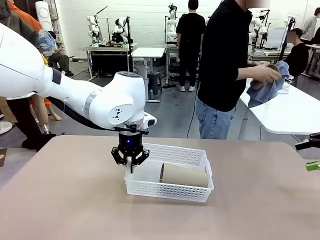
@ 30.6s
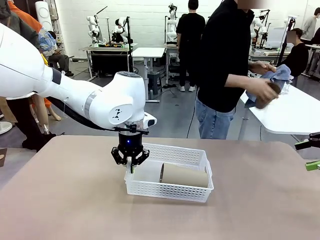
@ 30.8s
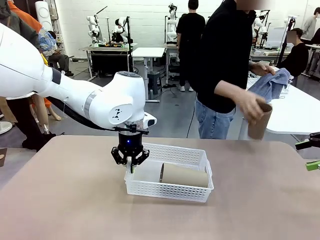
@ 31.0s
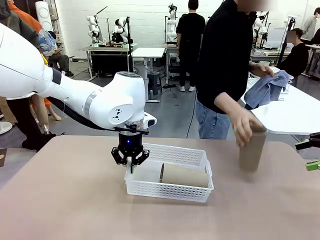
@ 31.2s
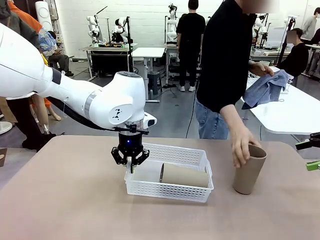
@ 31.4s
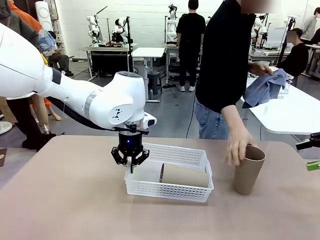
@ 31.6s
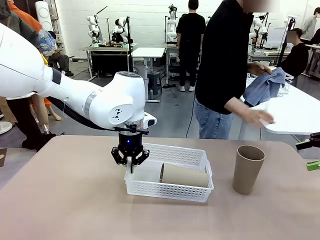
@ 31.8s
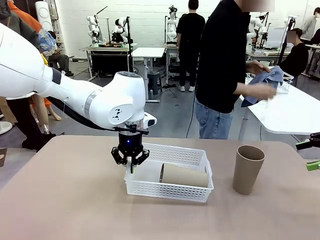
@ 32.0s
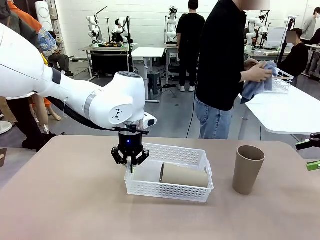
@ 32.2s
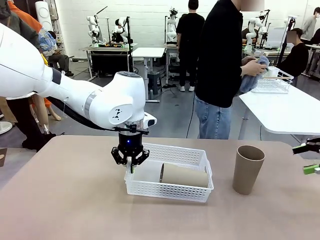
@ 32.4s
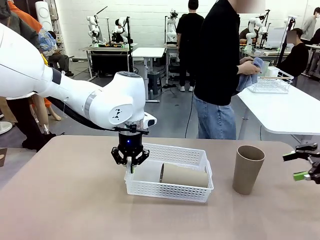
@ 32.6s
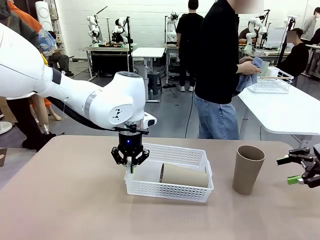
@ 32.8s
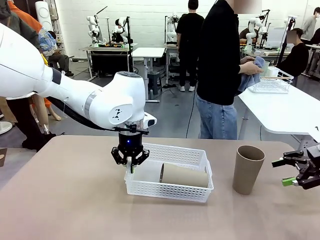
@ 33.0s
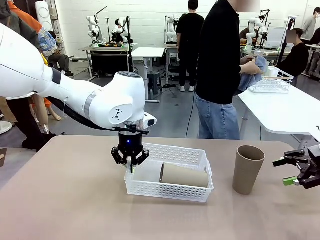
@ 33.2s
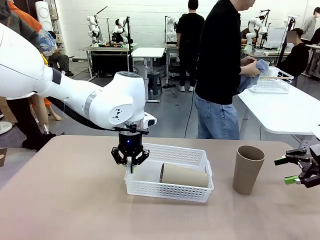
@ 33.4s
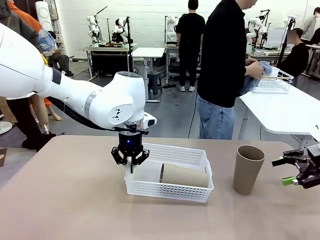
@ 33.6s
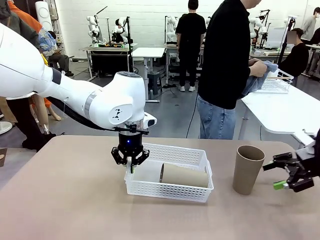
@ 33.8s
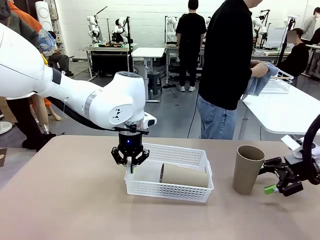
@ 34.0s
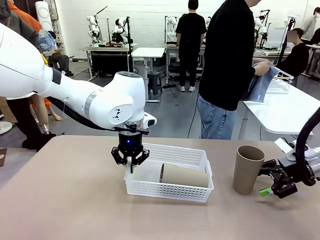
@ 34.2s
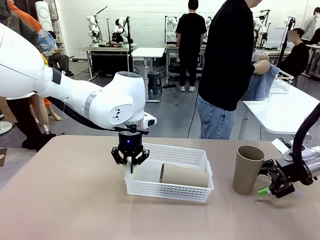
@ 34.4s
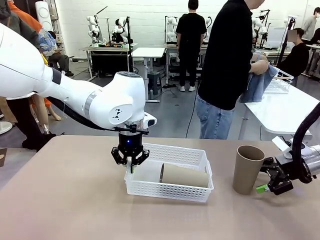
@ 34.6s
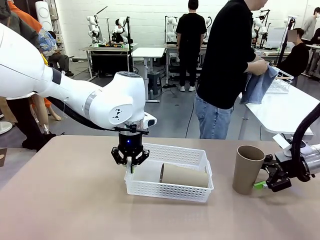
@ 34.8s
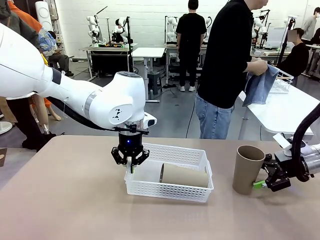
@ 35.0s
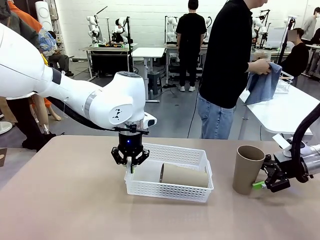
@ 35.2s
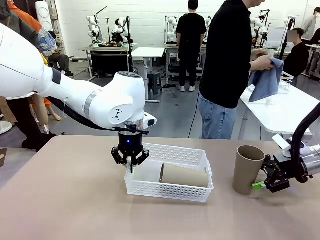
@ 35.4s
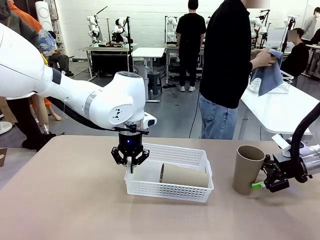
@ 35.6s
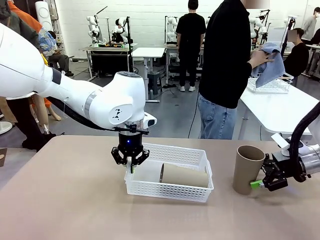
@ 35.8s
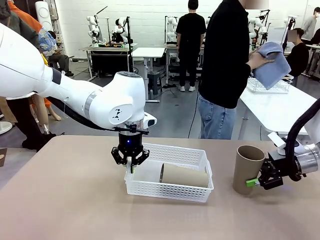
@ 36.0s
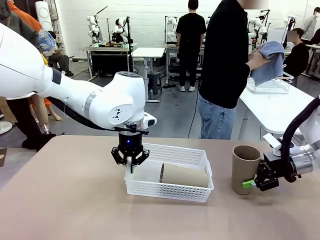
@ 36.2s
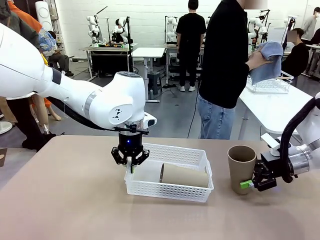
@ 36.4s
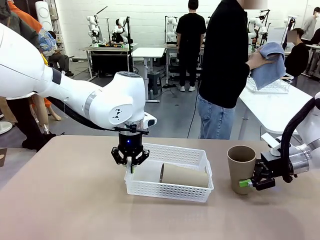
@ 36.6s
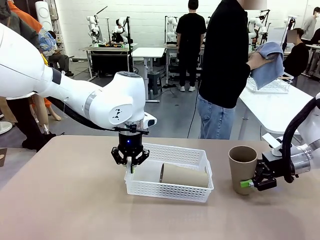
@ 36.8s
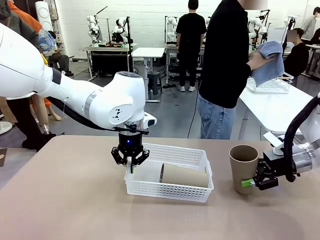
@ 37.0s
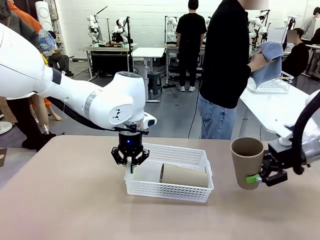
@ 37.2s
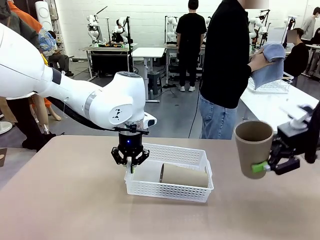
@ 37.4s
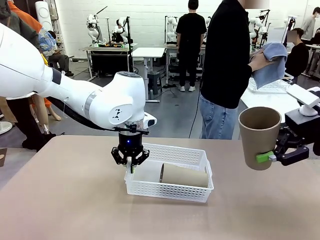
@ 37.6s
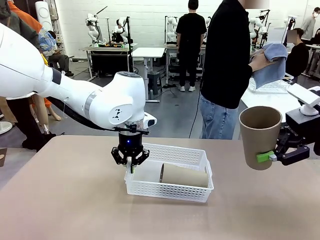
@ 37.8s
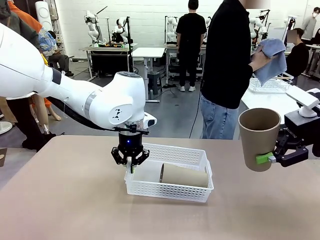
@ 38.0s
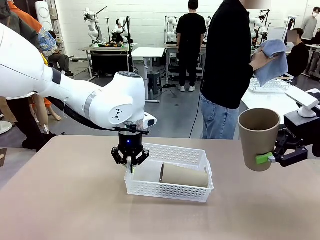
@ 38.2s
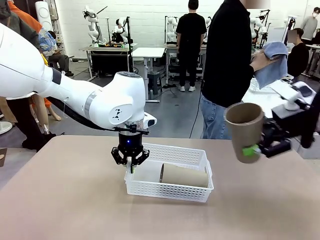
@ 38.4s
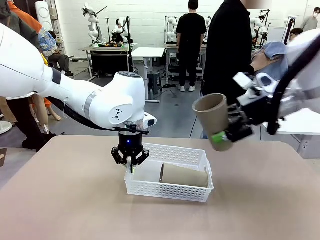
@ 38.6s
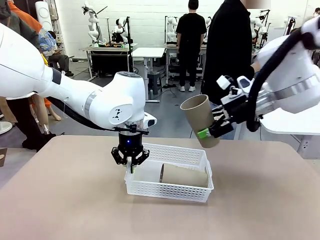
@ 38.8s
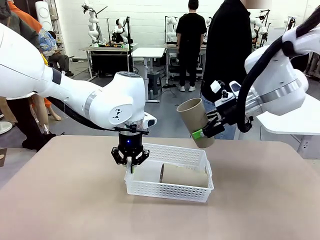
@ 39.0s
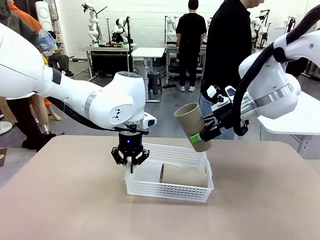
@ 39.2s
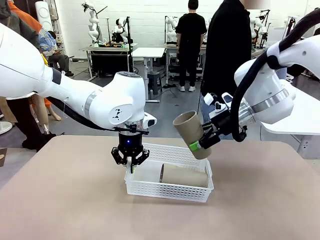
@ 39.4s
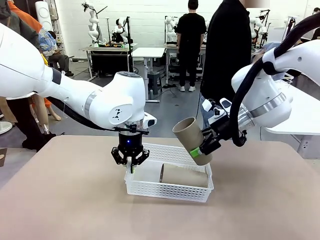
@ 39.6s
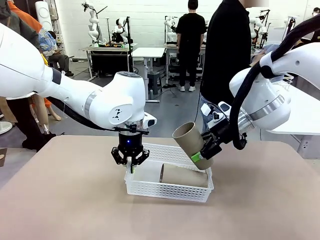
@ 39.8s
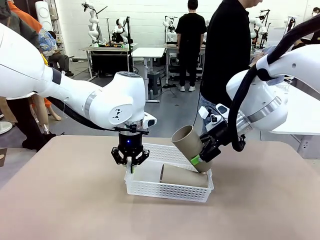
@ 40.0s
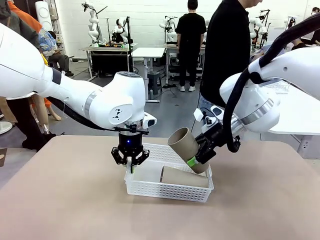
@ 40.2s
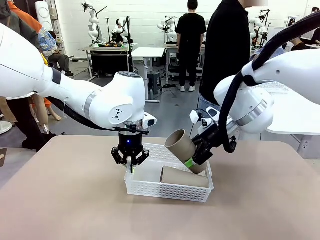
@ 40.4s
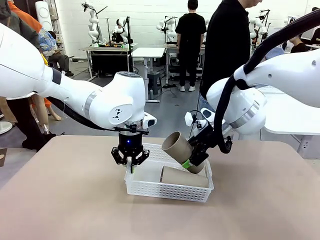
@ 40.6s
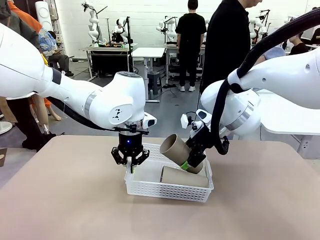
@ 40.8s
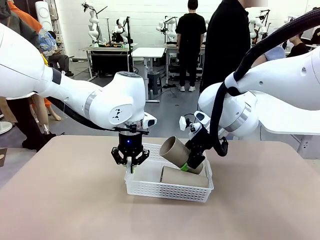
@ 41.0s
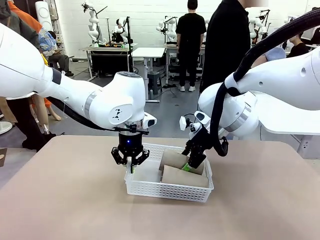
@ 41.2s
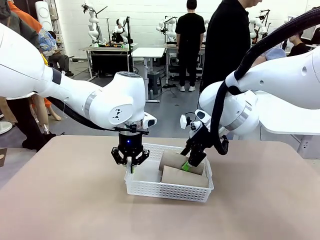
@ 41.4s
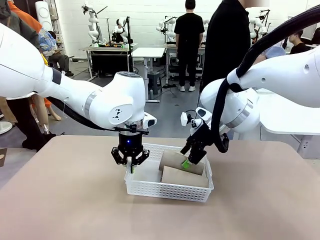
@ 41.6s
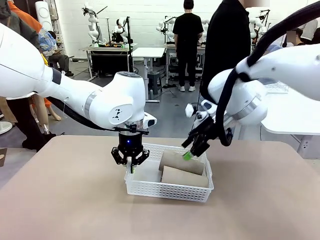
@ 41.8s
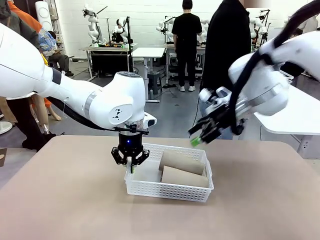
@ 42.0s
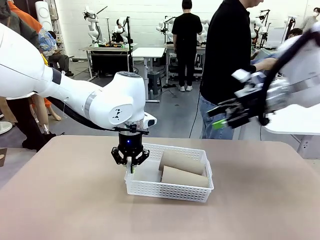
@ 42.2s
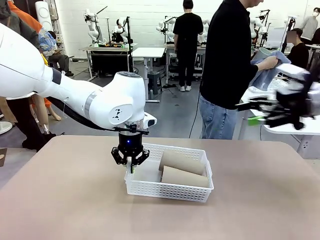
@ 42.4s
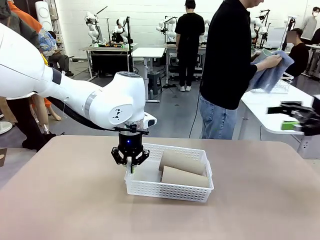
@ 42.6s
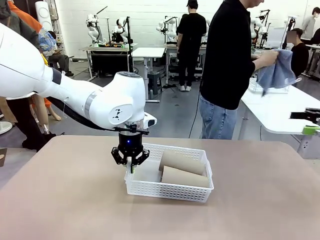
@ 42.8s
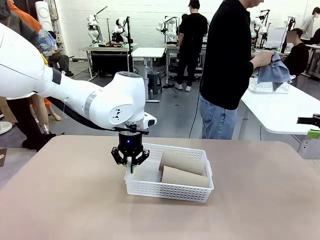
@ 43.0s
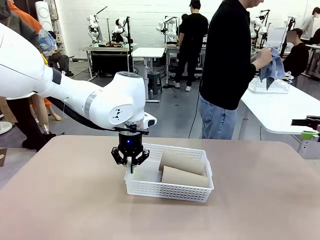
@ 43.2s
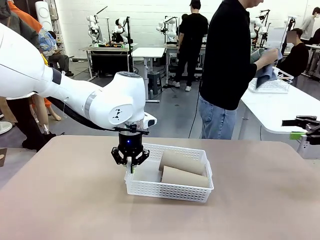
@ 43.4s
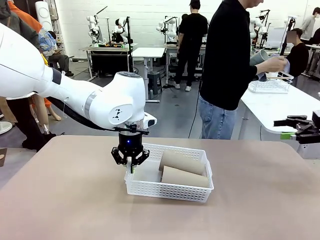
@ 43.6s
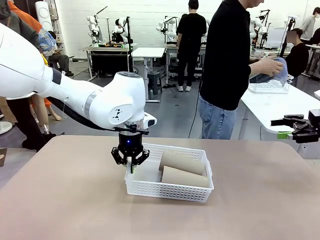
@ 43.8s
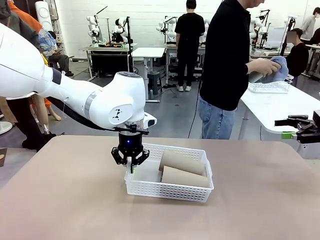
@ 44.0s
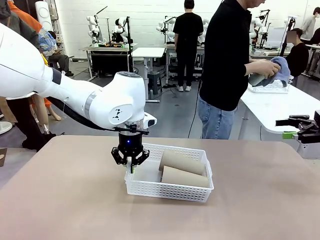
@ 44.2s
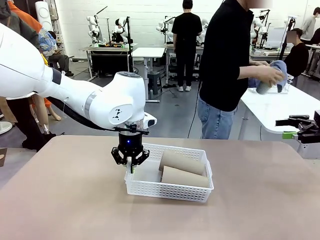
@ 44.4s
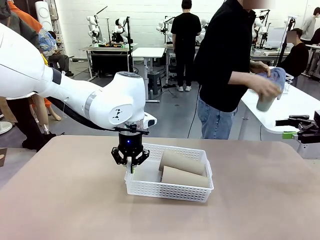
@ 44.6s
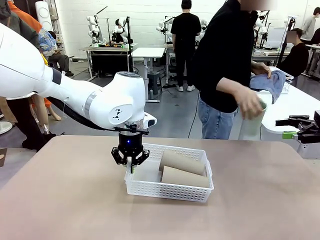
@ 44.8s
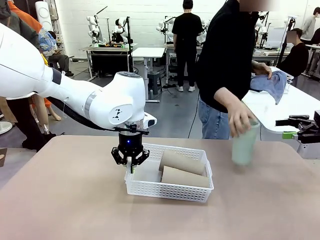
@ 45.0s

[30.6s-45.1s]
Task: Clean and organize the cups into the basket.
Robot: Pick up the Reusable plastic cup from the right side of the table and stack it inside the Organizing basket in the center of the table.
